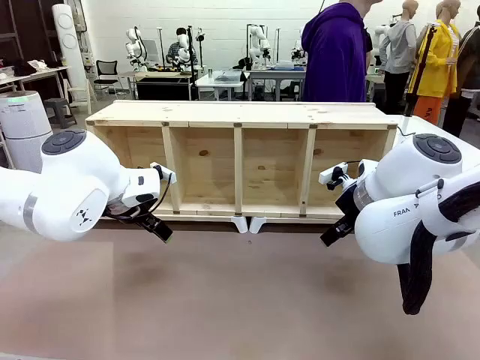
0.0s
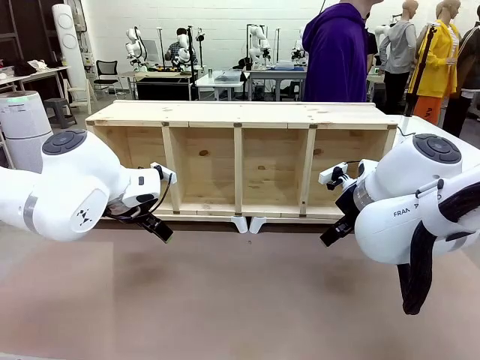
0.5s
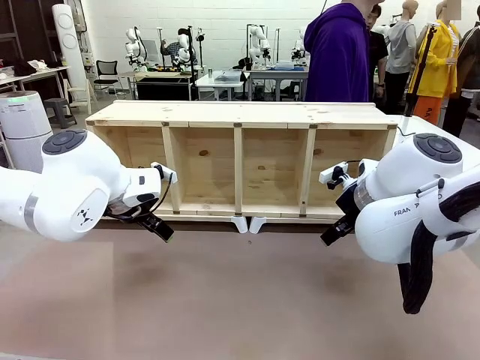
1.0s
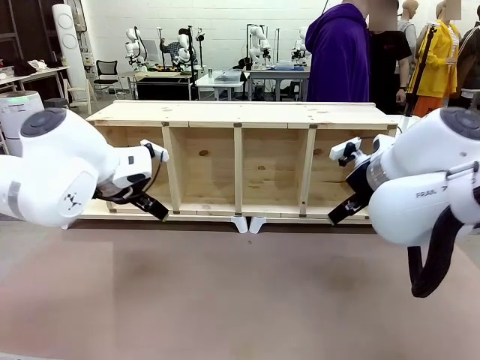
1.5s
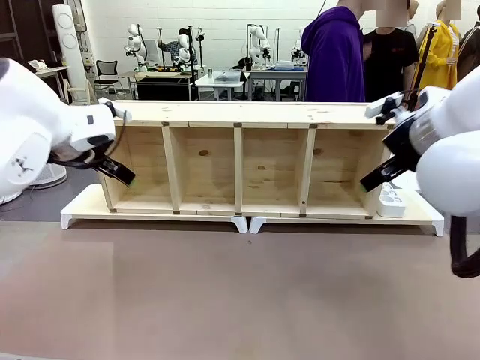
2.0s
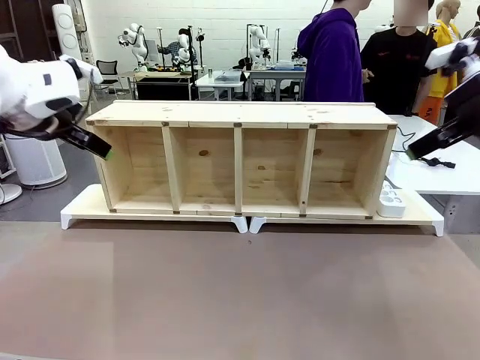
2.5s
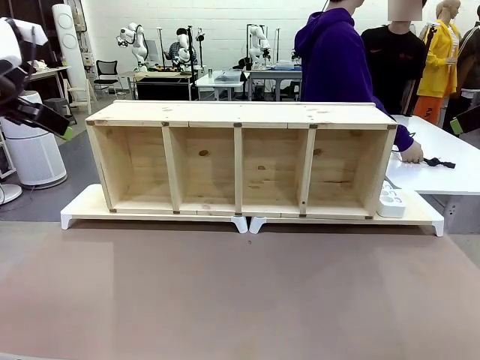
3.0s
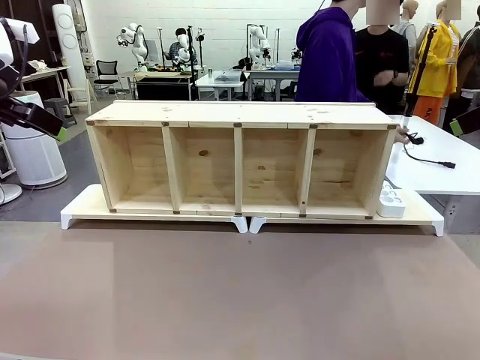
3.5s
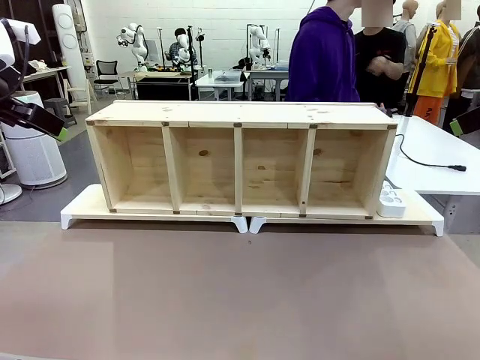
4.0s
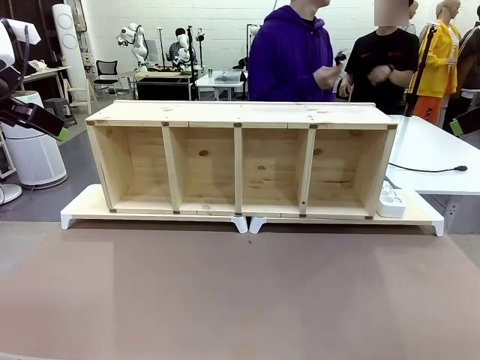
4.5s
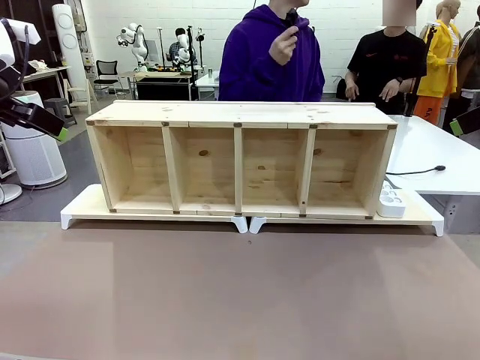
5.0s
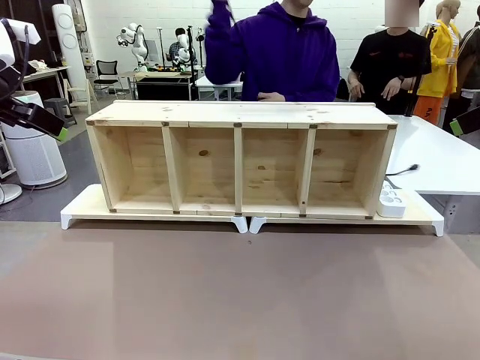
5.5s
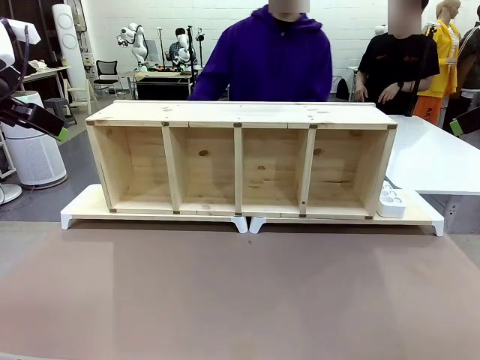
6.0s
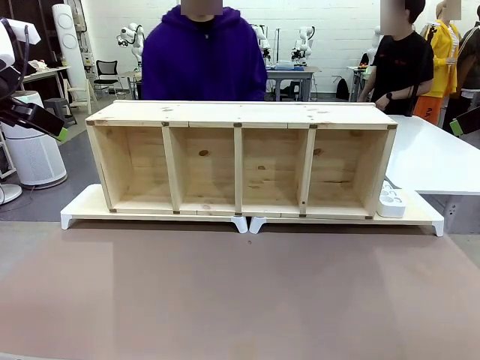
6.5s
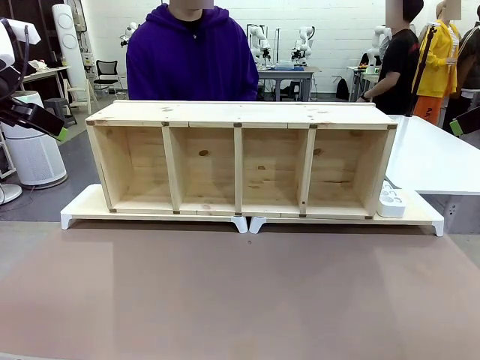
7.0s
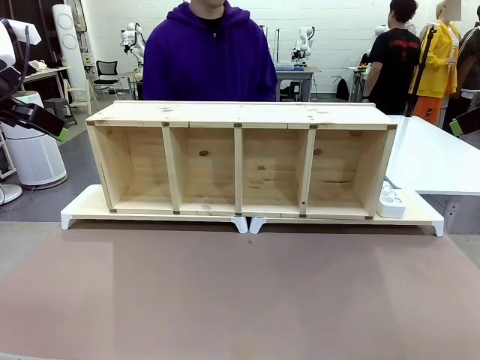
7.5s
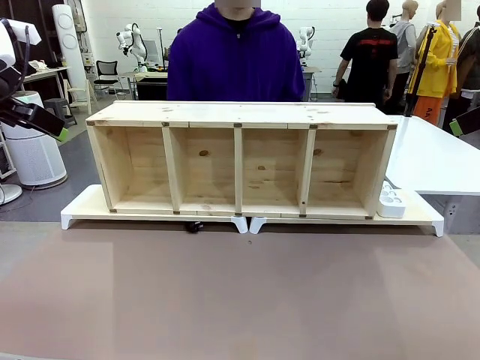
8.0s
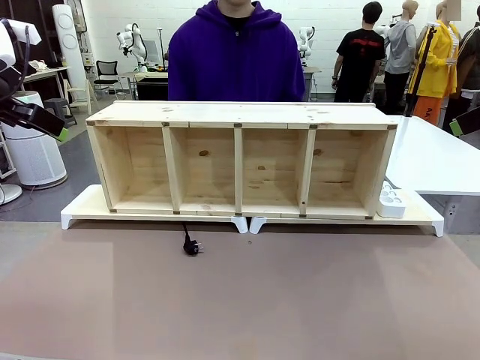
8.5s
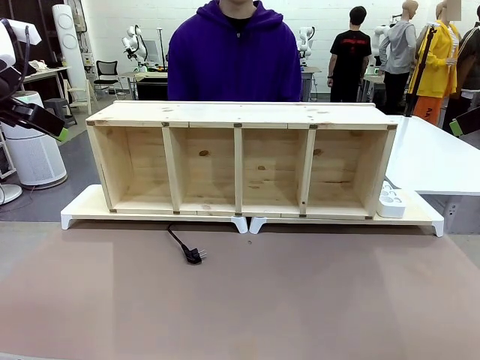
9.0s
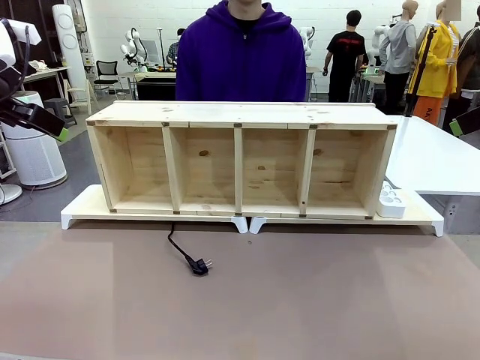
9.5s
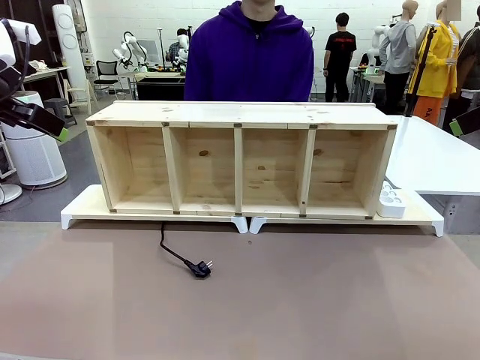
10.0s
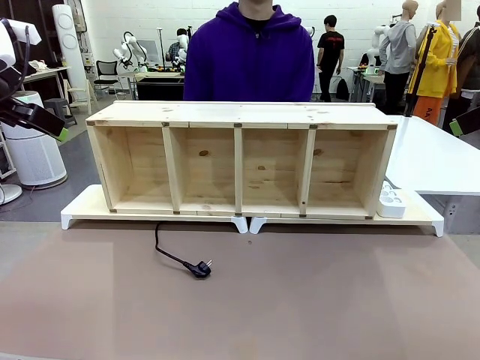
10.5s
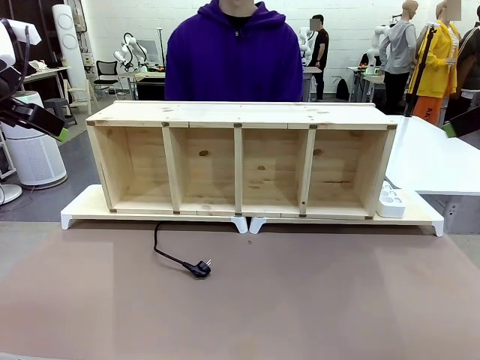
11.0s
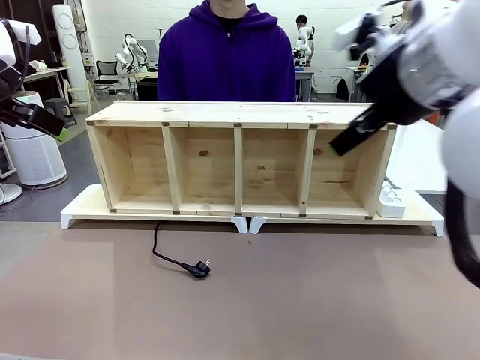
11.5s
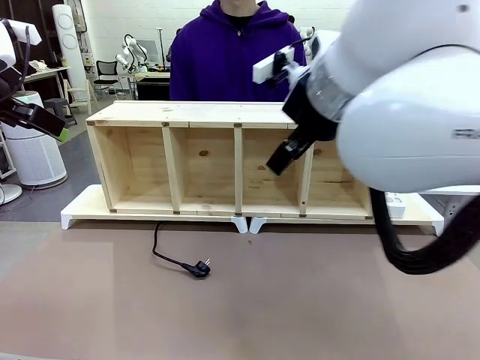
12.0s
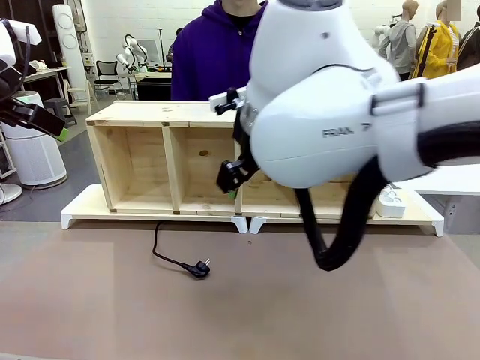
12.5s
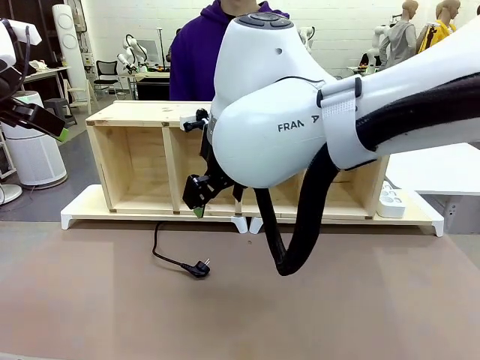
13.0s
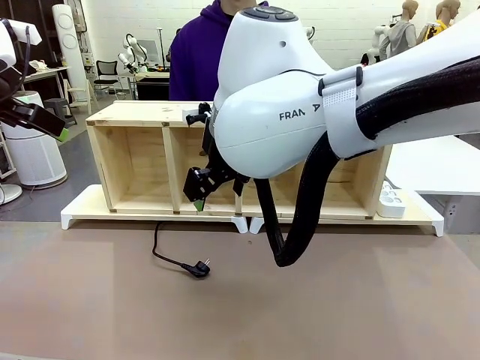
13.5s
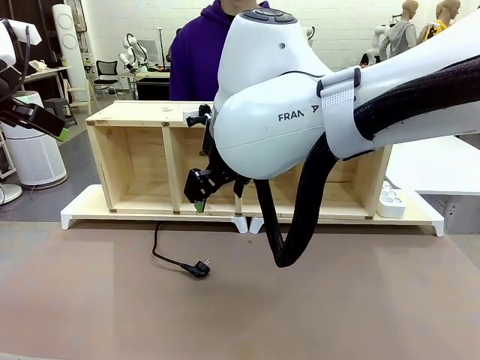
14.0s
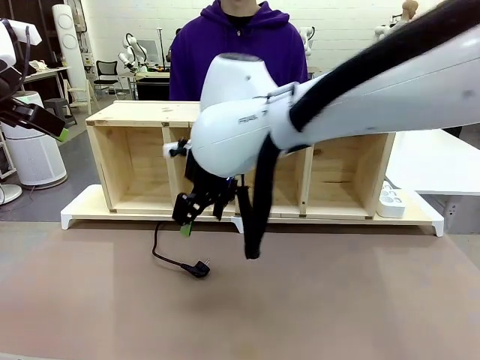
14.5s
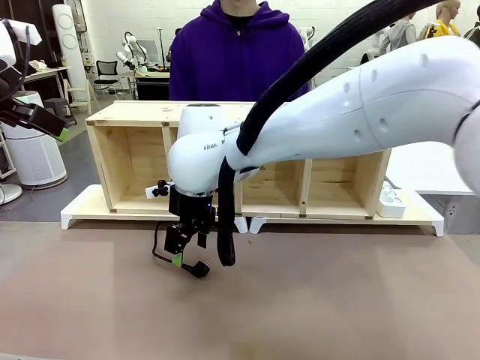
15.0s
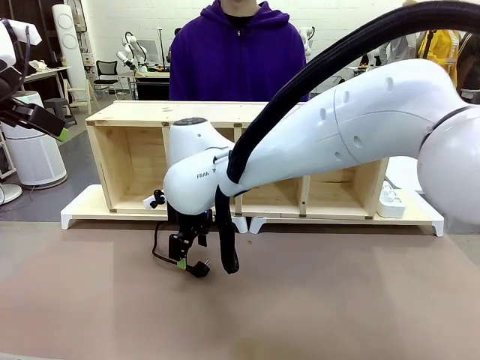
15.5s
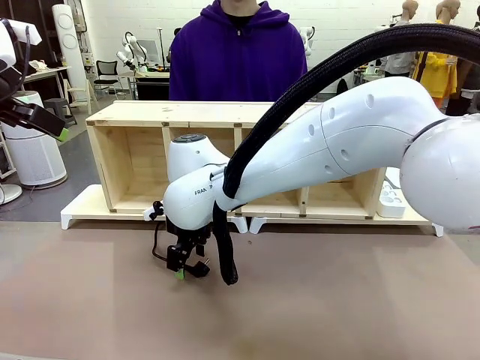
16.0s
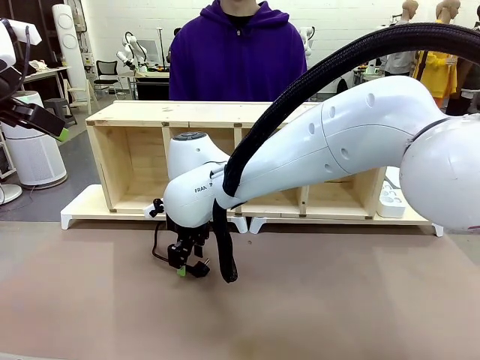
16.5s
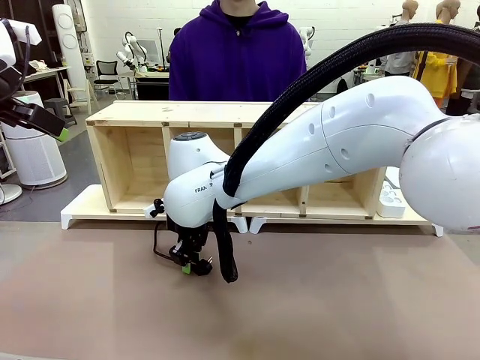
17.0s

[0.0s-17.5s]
Task: Perform cable management.
Robot: When the cord part of the Power Cable appears at the lower middle area of the table and stops, grasp the cord part of the Power Cable.
Person: Pass the Power Cable under the Serving Table.

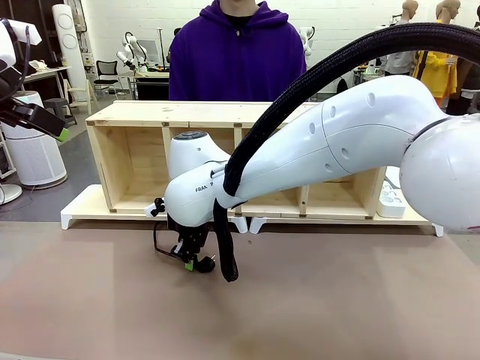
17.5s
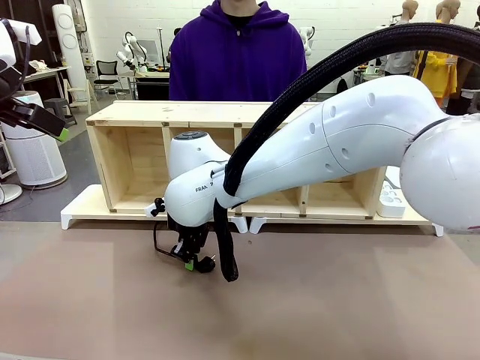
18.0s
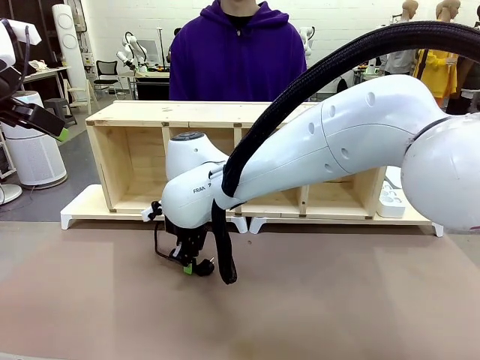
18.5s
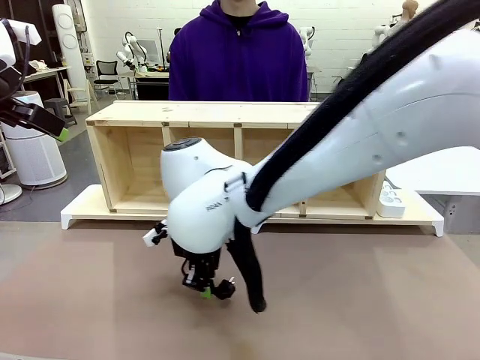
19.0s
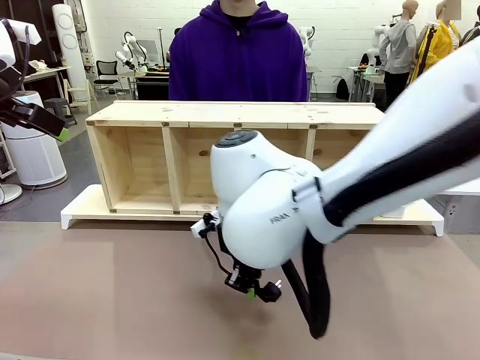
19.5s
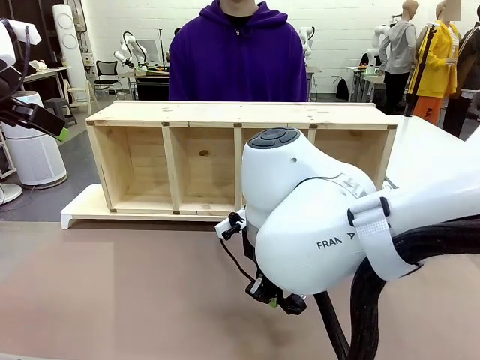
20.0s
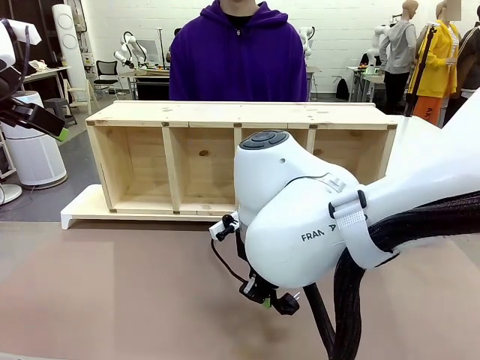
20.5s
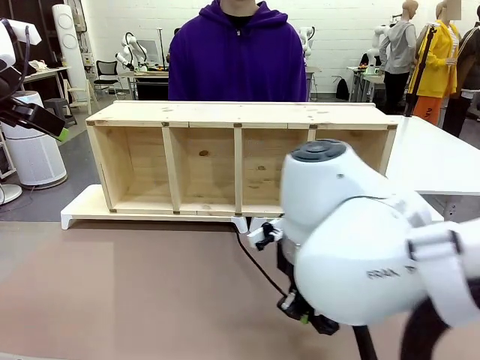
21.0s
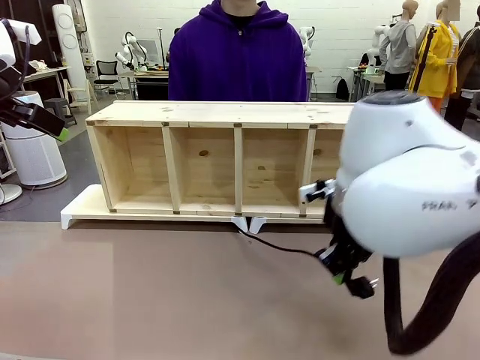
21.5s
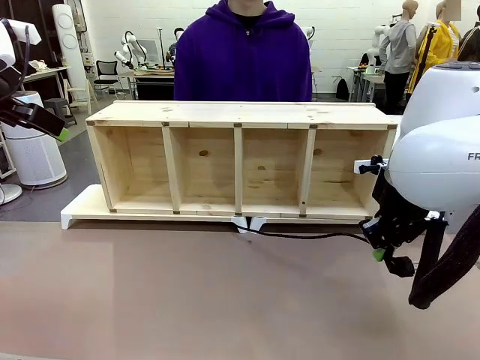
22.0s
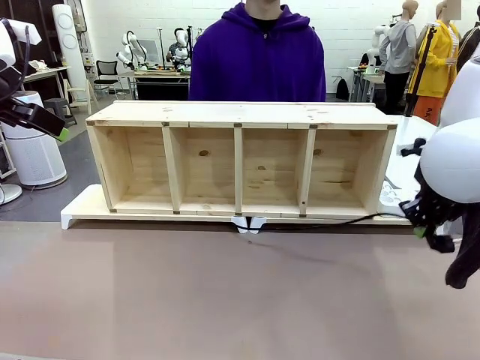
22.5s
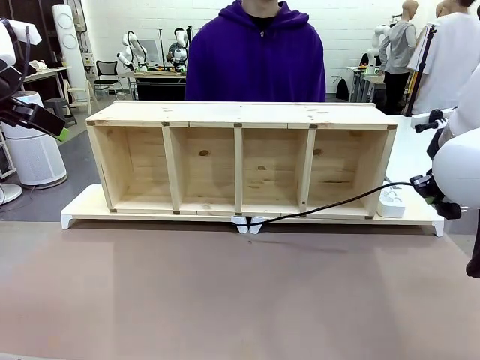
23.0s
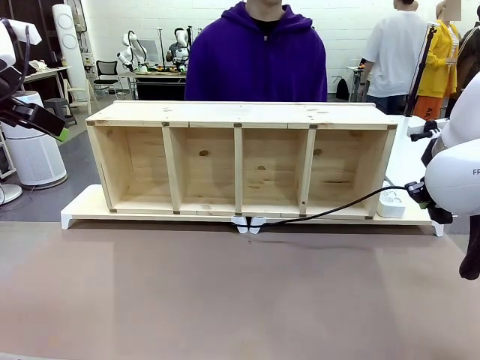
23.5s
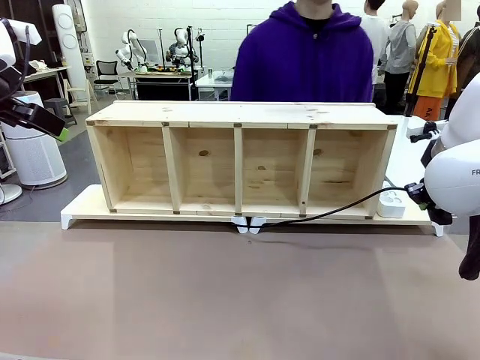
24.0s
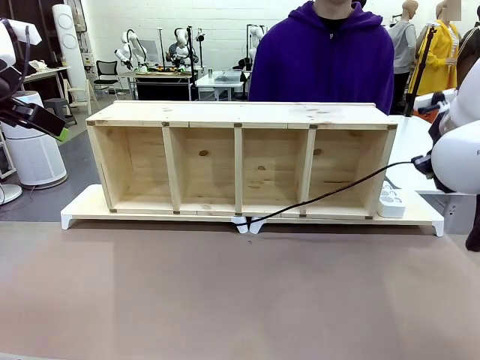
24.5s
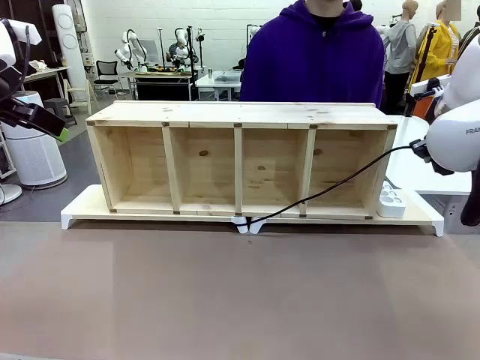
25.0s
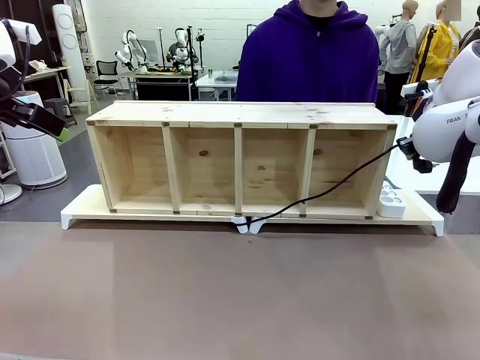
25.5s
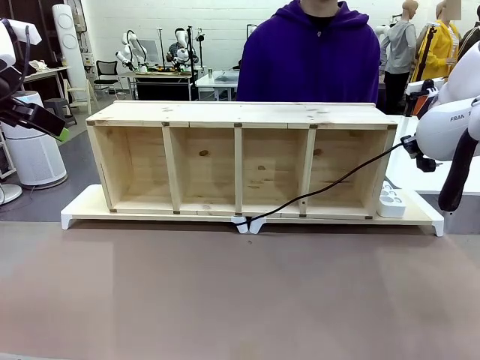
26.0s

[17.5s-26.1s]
Robot: Pull the grasped Power Cable to the location of the Power Strip.

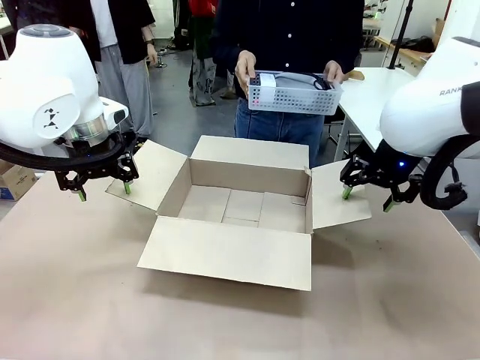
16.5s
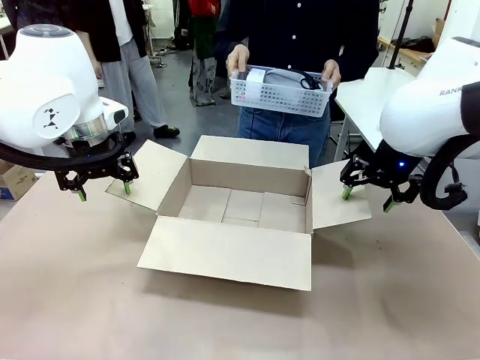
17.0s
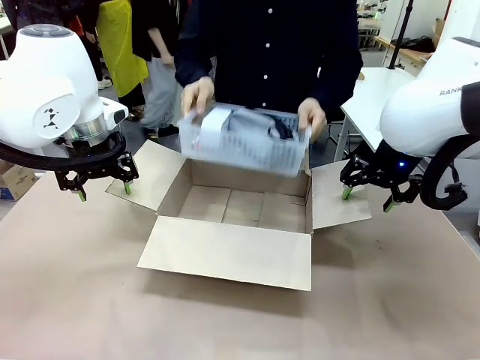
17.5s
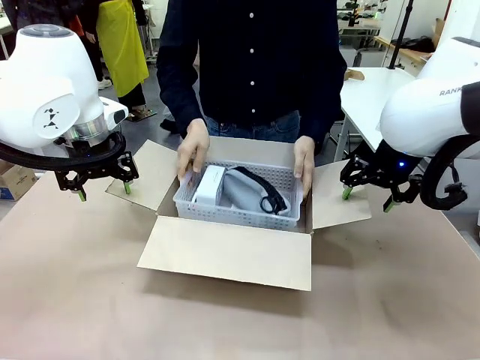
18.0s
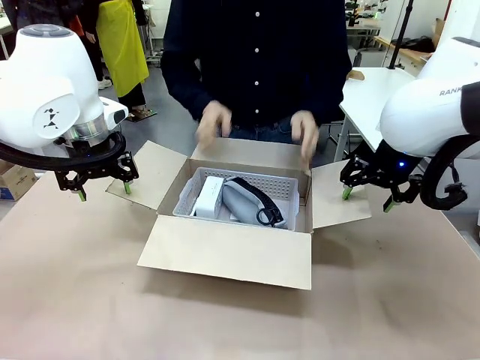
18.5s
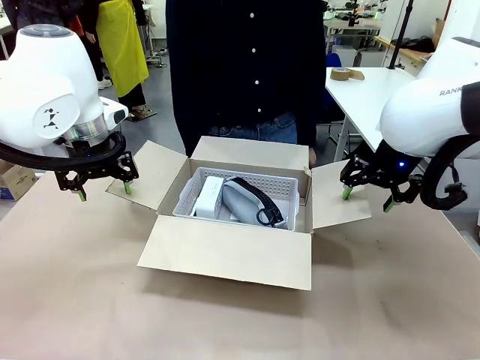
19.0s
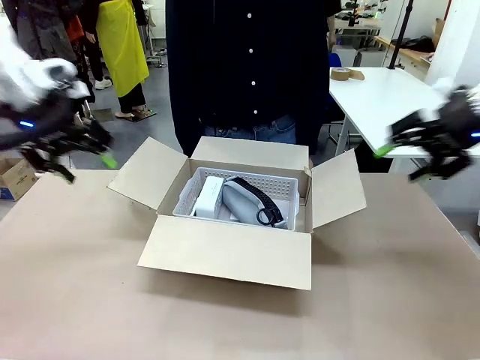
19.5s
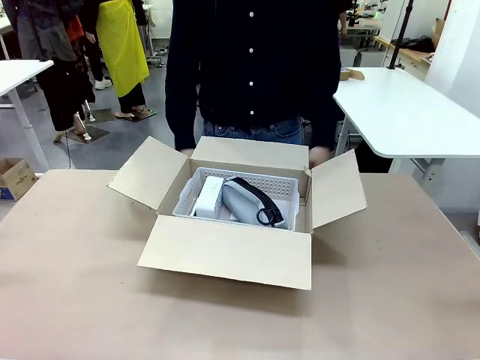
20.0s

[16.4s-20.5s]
Task: Pack the gift set into the box.
Robot: Lift both hands away from the flaps of the Package Box.
Person: The human picks up the organizing basket and places the organizing basket into the package box on the robot table.
